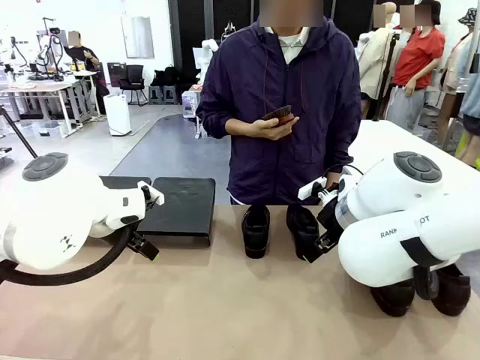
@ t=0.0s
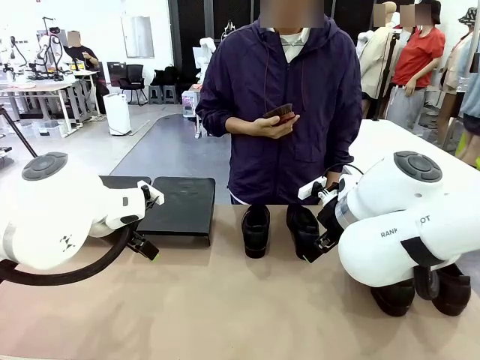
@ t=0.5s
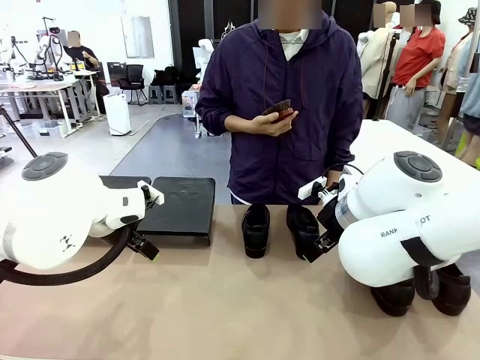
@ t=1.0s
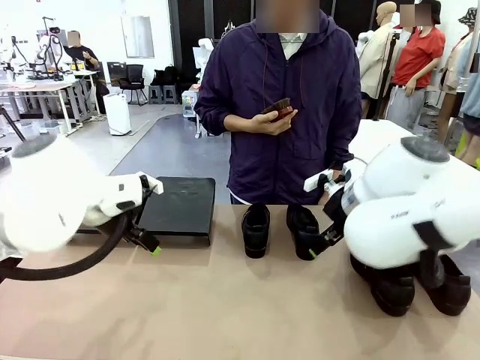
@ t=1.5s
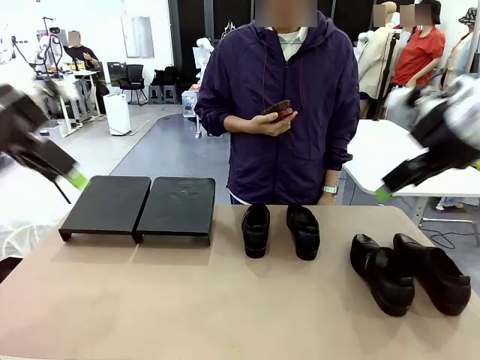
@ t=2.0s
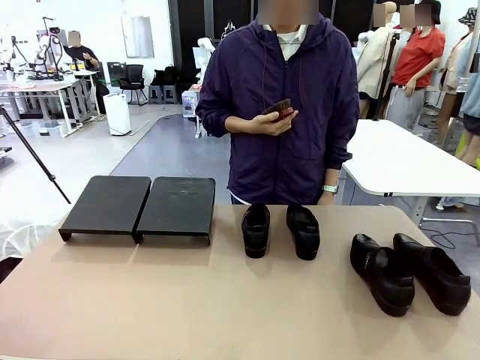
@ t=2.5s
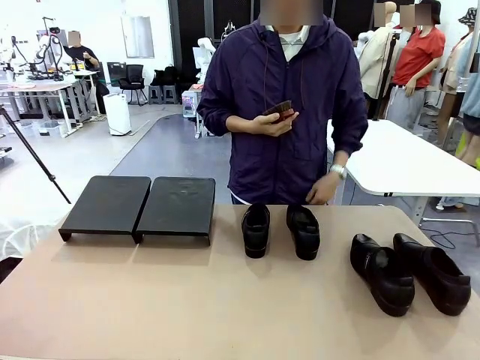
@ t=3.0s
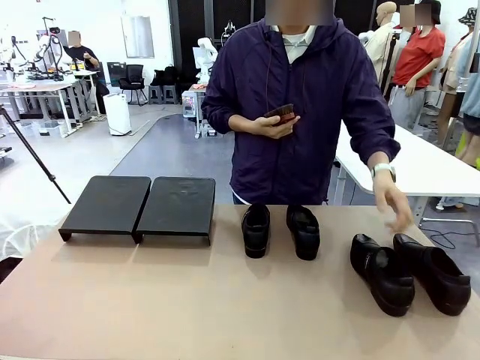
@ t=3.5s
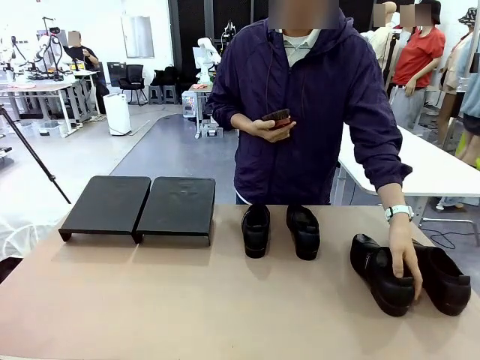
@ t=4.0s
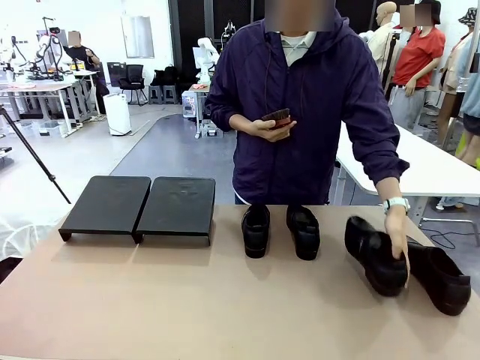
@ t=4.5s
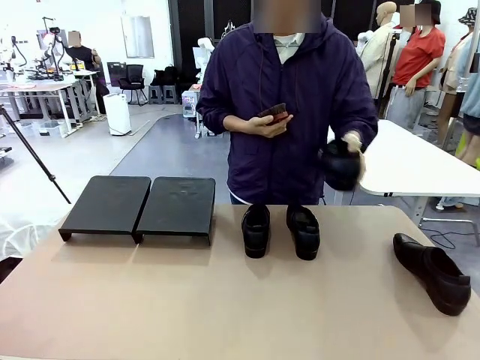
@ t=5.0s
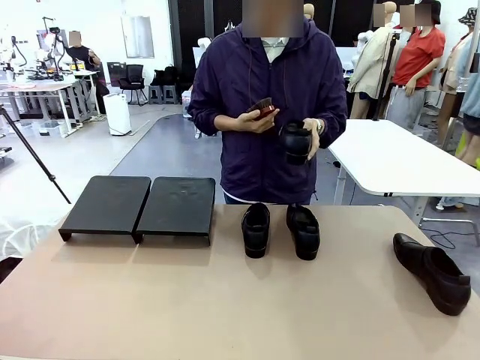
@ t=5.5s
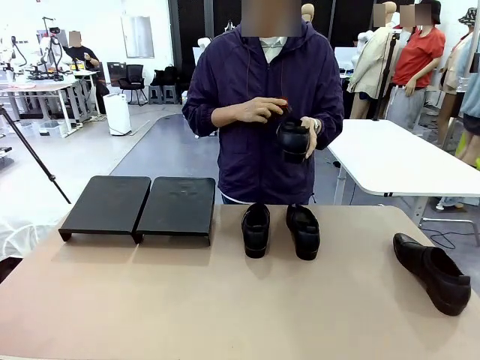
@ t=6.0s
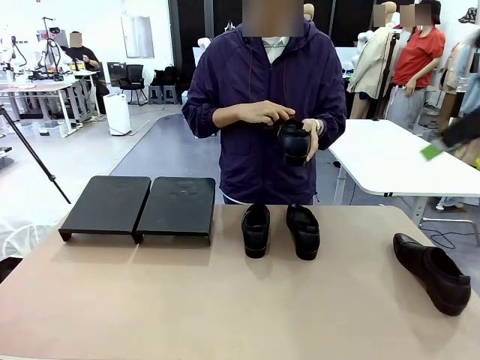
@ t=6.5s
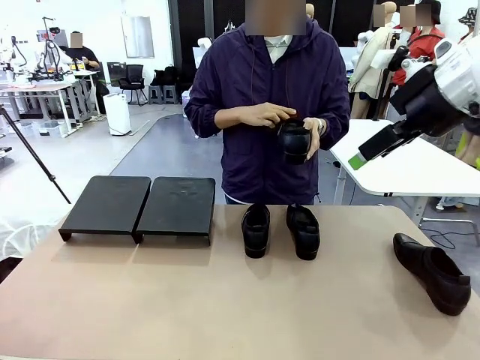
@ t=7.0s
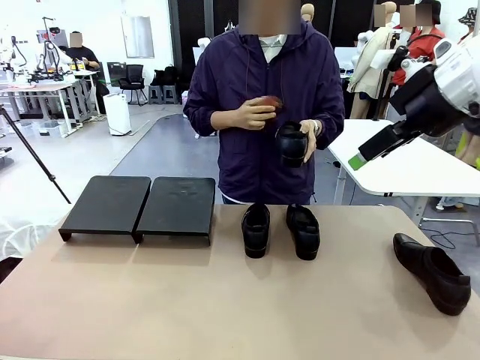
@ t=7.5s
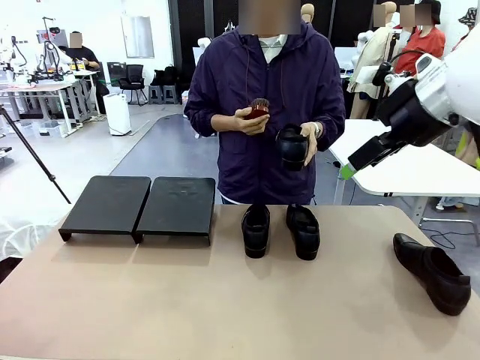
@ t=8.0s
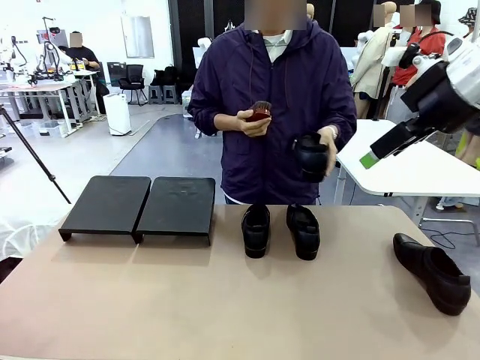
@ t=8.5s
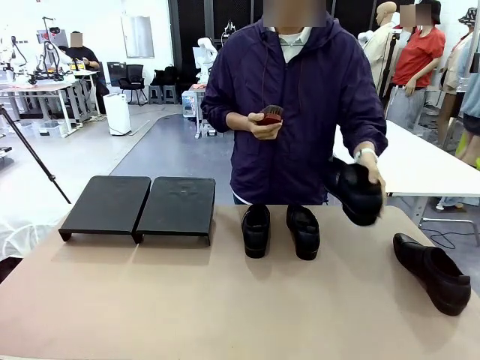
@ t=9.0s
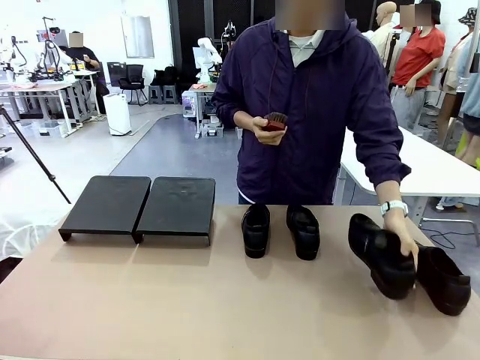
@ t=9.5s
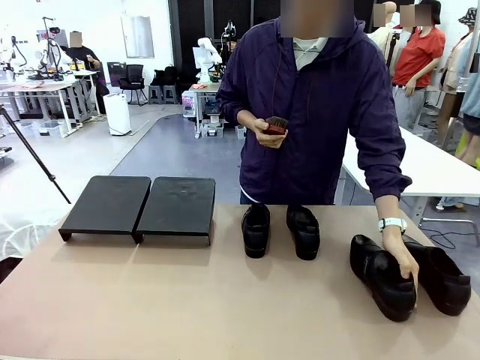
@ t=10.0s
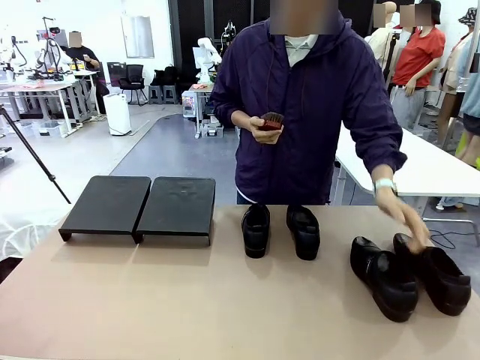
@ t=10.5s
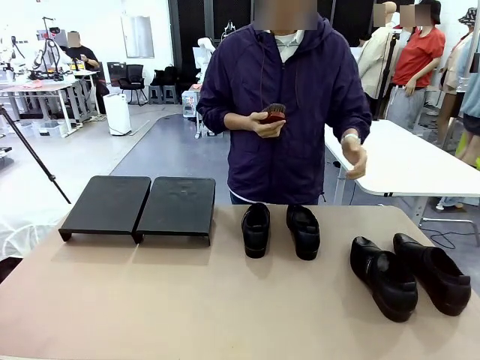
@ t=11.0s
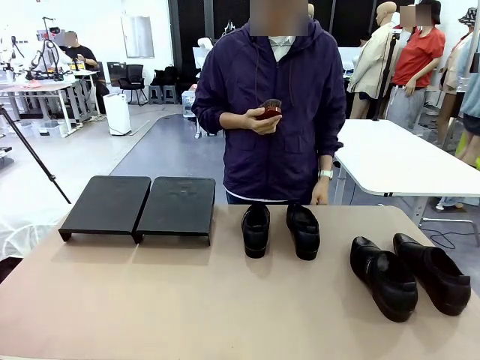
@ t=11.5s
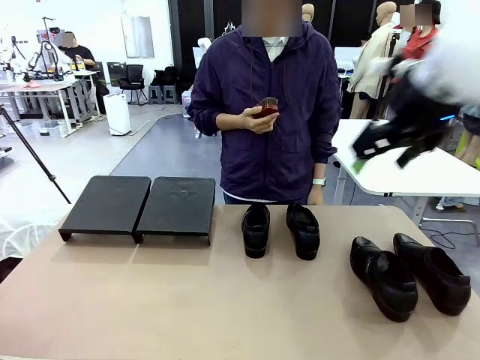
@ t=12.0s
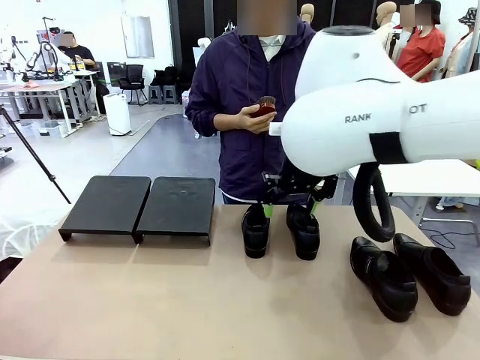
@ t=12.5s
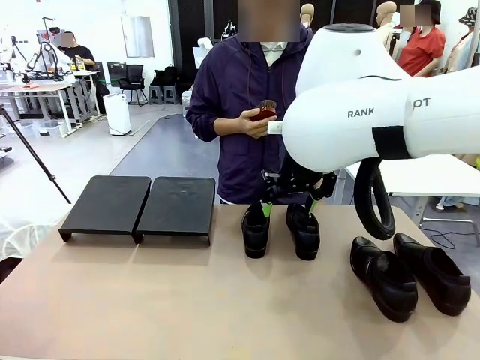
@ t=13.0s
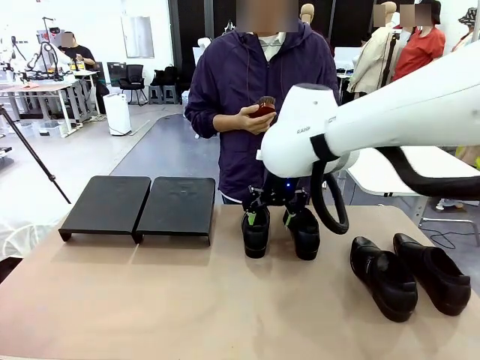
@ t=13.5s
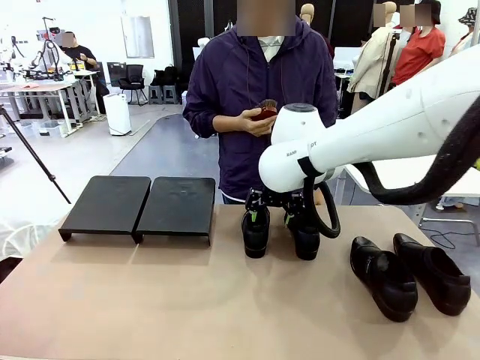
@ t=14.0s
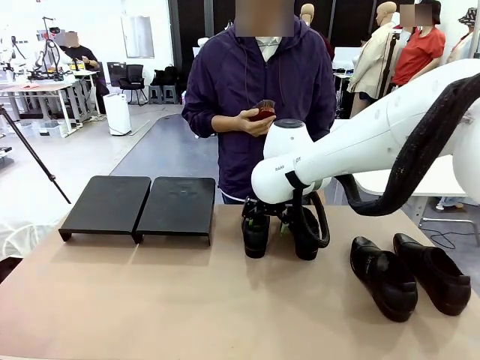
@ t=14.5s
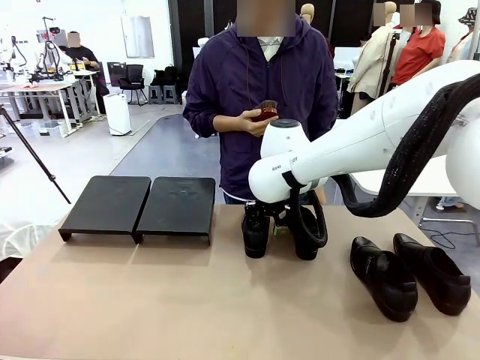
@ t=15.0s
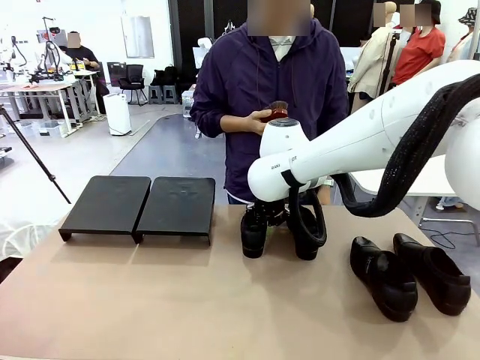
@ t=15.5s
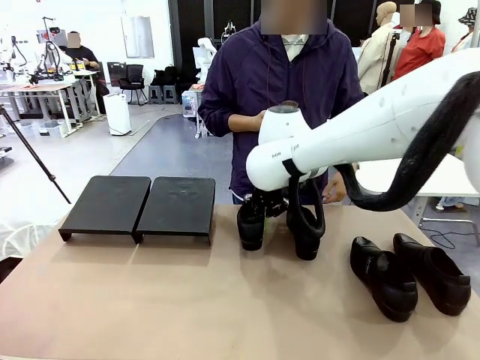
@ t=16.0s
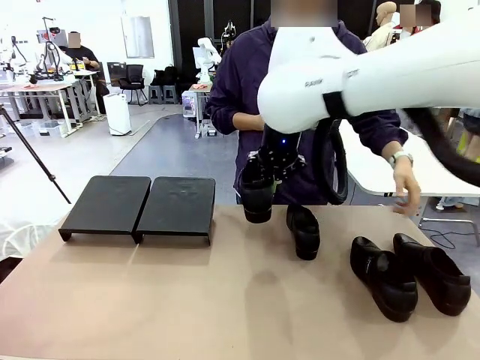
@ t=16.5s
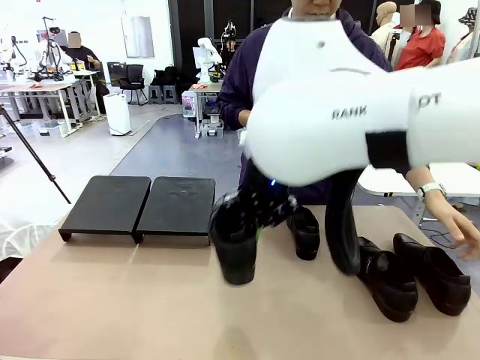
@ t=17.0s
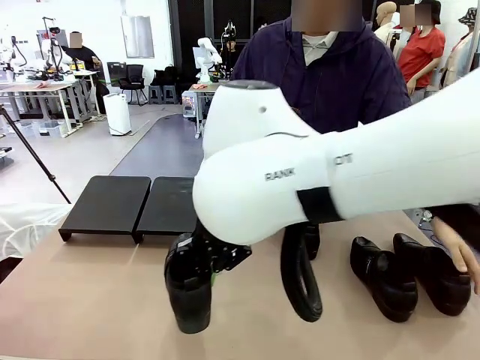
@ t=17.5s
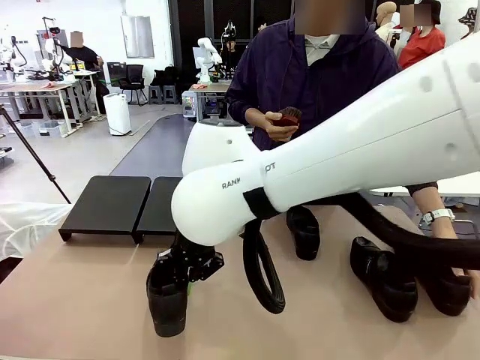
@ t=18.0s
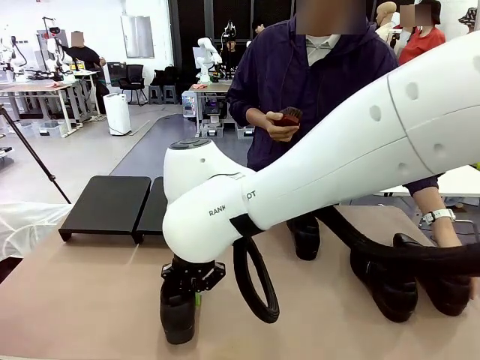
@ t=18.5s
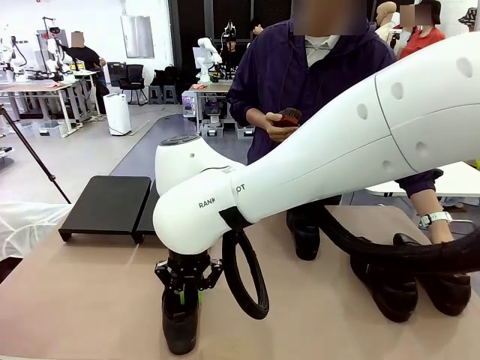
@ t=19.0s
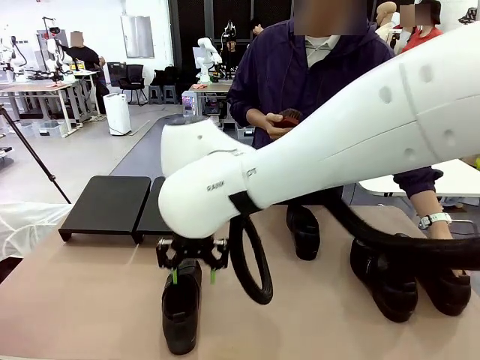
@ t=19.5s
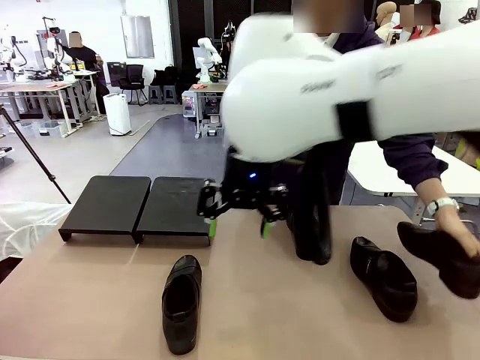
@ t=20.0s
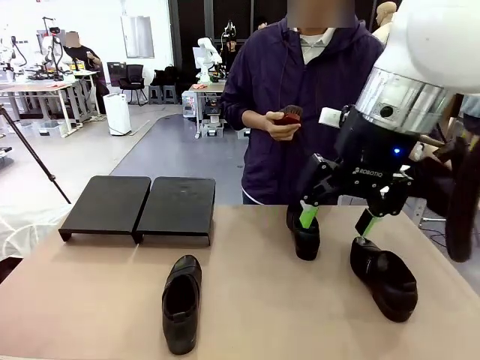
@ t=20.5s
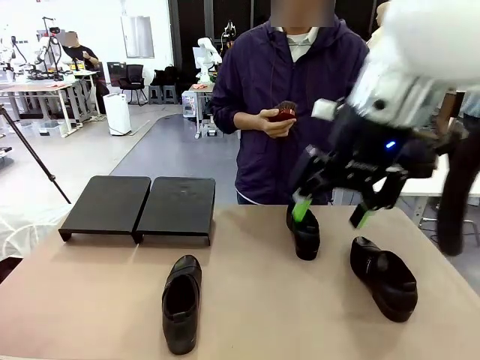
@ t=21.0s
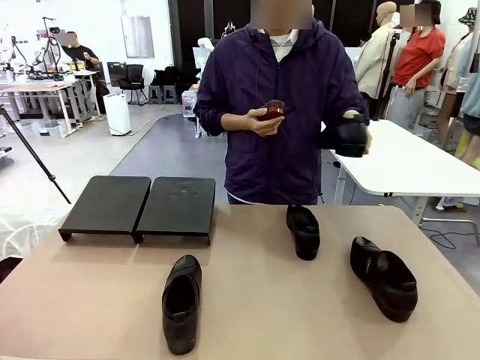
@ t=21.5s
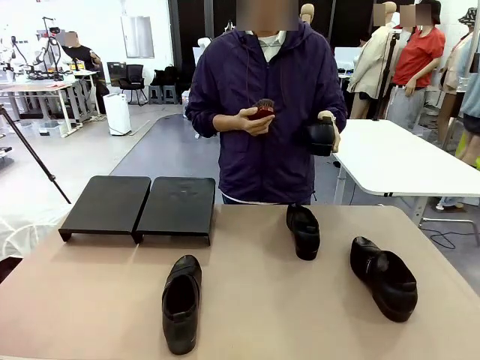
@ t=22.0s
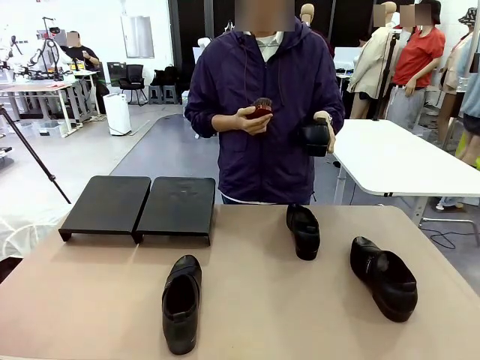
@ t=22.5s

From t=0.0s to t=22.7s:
Task: Organize the shoes by placing them on the stand.
Robot: Pick up one Shoe and place it in the middle of the table.
Person: Pick one Shoe on Robot's table. Clean the Shoe with the Shoe Brush. Place the Shoe on left side of the Robot's table. Pick one Shoe on Robot's table.
